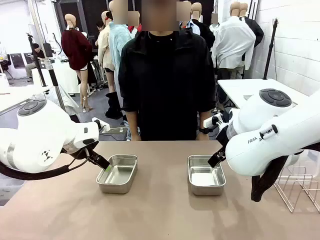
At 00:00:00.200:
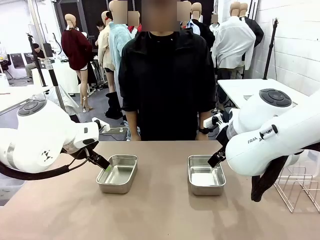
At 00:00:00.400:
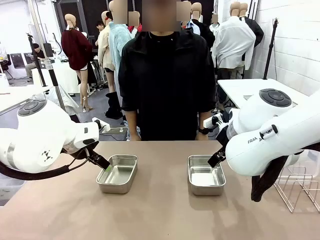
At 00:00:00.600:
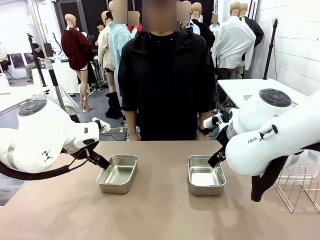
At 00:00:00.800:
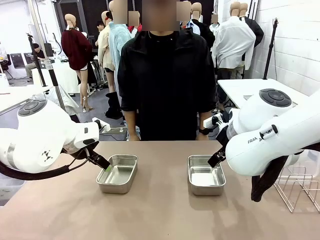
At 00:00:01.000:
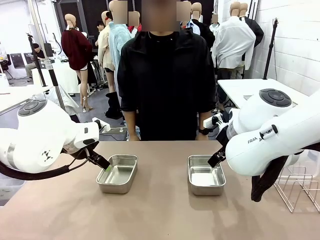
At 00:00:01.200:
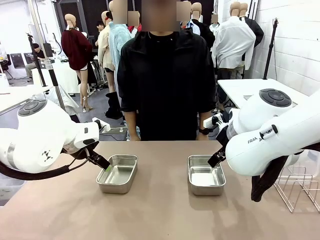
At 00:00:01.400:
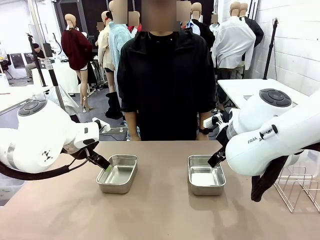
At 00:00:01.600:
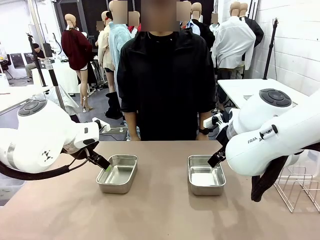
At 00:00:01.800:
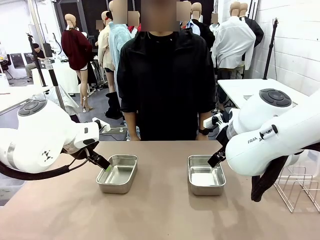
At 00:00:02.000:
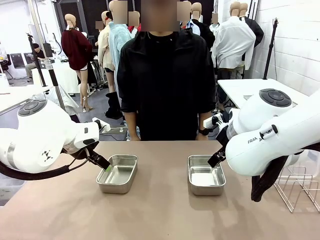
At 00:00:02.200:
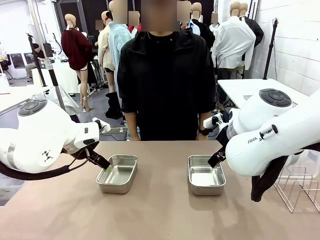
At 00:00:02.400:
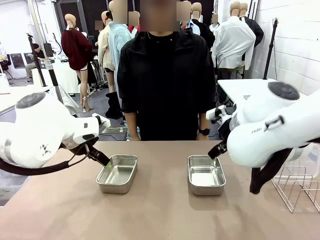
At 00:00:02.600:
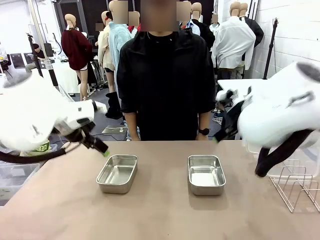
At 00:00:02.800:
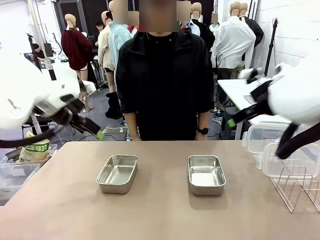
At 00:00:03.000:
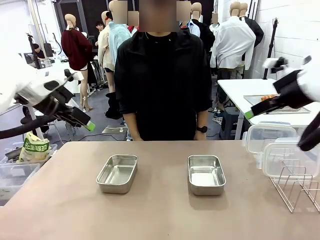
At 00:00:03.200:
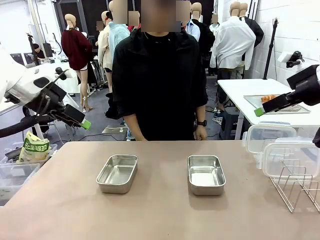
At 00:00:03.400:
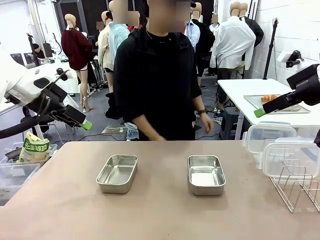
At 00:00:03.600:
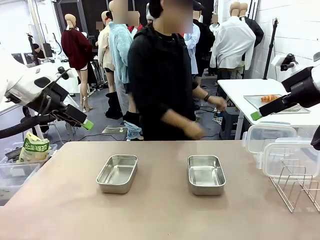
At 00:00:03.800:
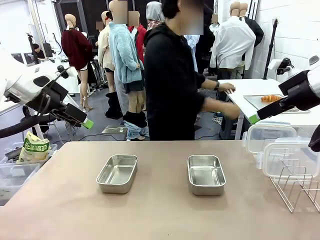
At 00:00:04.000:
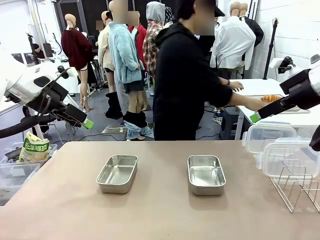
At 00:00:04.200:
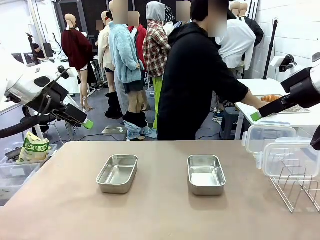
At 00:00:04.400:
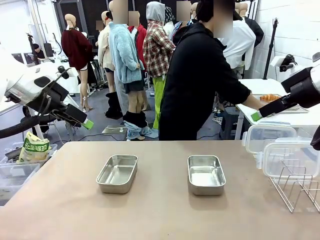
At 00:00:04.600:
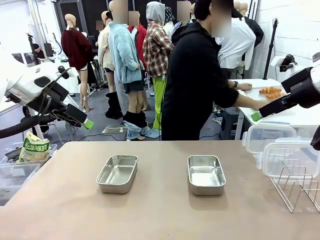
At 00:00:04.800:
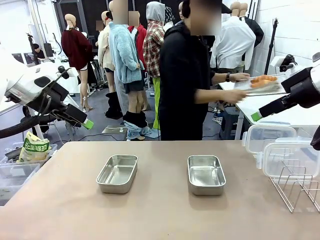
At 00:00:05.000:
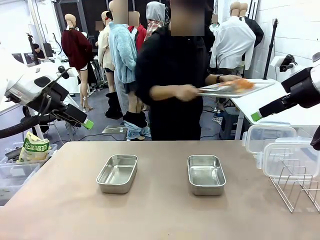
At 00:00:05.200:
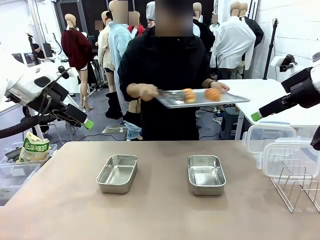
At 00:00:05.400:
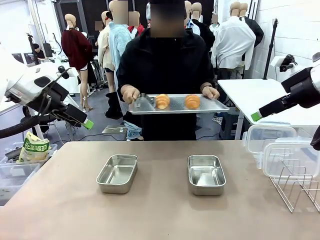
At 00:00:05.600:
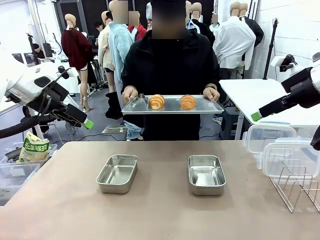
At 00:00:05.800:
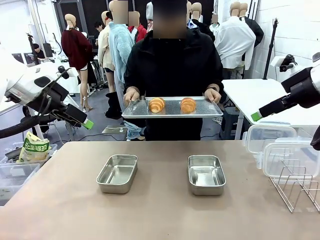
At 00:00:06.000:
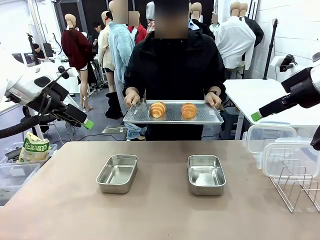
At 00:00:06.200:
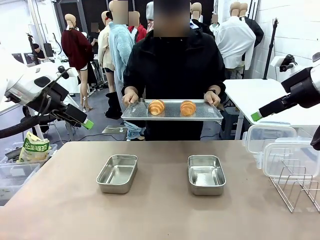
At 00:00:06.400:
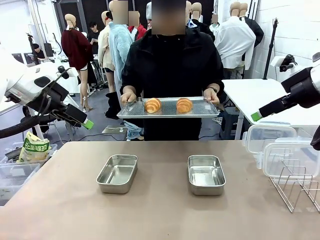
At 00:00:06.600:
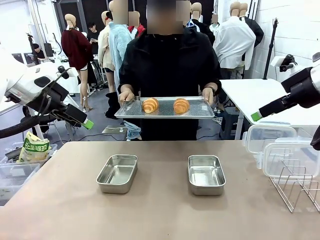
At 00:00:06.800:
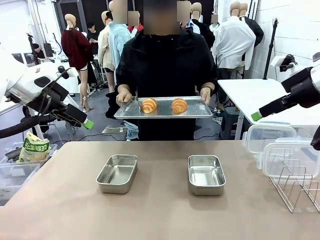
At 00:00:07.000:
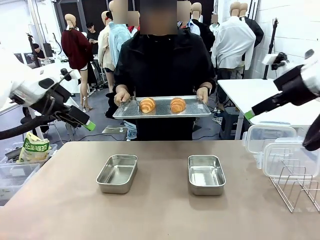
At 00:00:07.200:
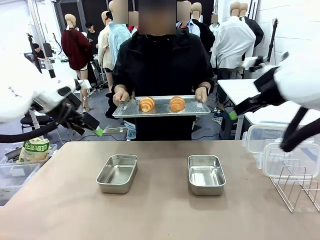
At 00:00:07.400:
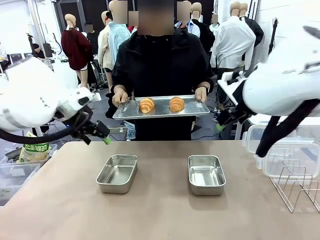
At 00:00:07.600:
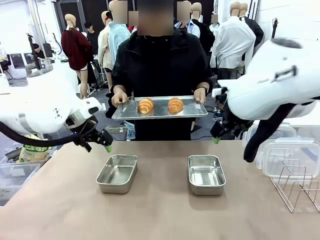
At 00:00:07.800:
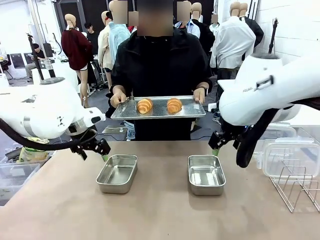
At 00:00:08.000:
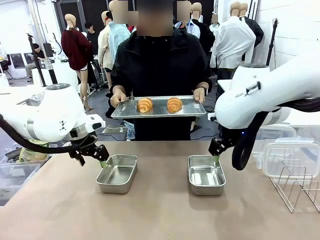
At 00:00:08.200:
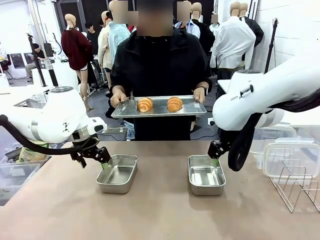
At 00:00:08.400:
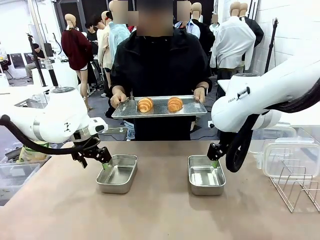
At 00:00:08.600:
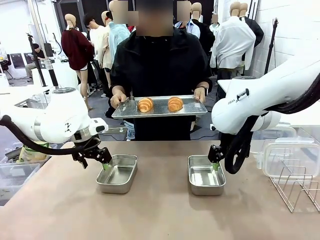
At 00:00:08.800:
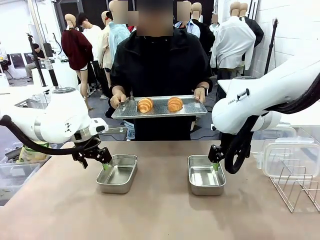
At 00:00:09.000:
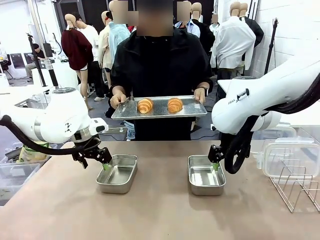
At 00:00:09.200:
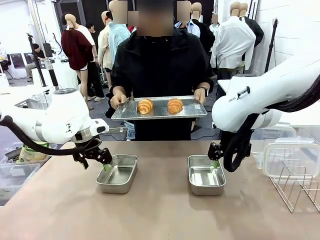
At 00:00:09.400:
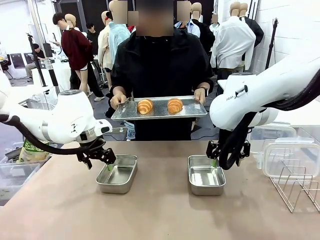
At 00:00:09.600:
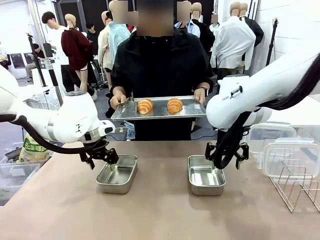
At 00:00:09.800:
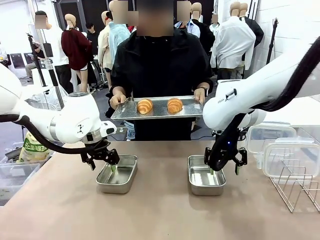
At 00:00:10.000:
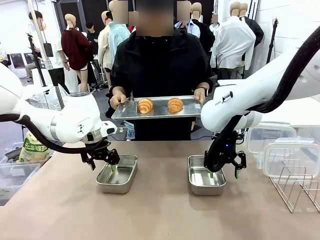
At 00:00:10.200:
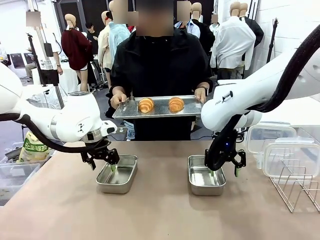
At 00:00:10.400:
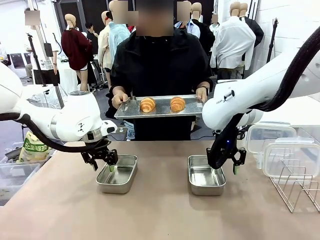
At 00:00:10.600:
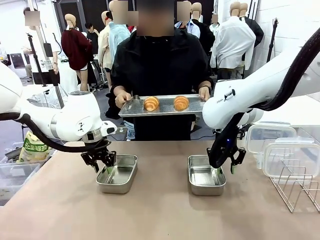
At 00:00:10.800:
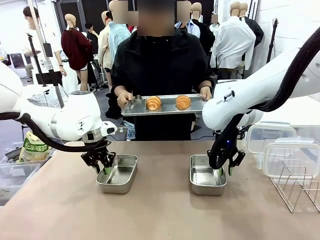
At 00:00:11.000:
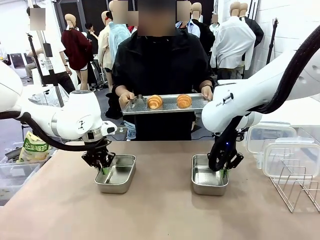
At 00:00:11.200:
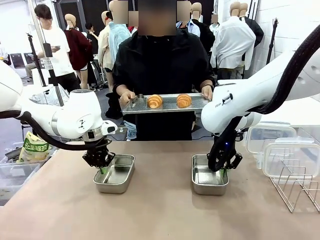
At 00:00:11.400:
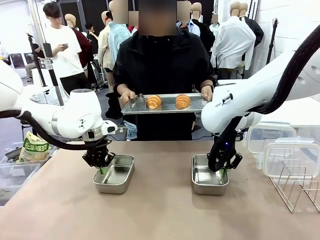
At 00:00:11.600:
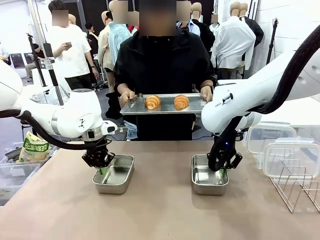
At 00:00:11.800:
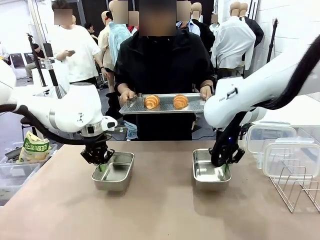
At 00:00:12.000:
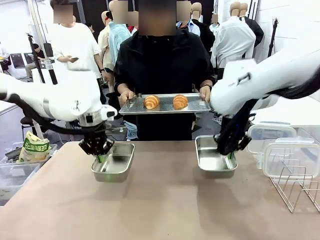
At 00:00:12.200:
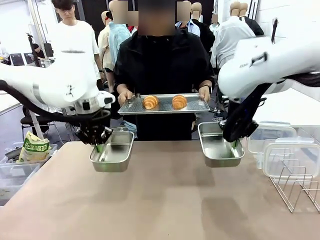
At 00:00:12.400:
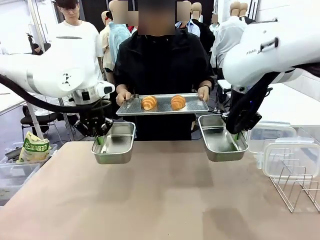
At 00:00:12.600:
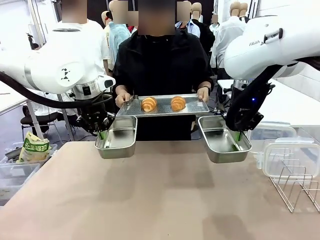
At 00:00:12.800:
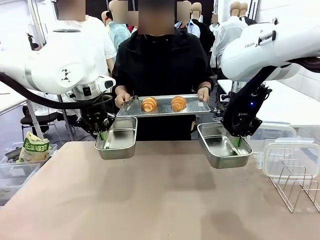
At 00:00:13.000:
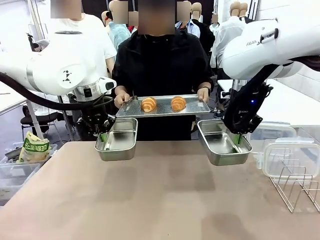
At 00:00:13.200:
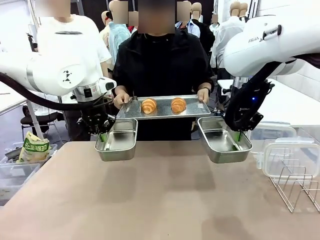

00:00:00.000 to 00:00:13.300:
Task: Place the bread in airtight containers.
Robot: Lift both Airtight Container.
Person: Bring the Baking Sheet in front of Robot's Table.
